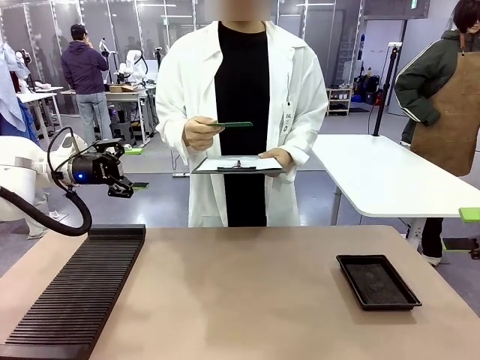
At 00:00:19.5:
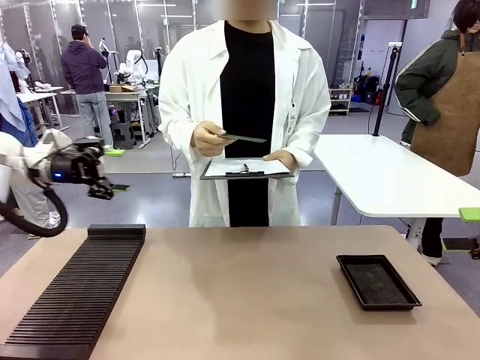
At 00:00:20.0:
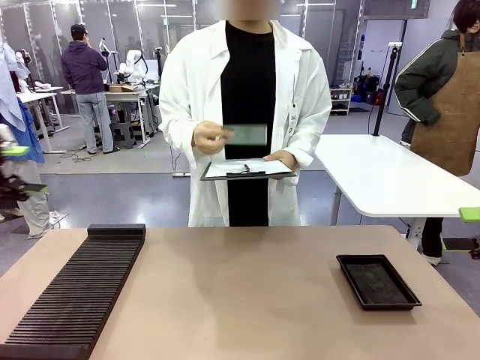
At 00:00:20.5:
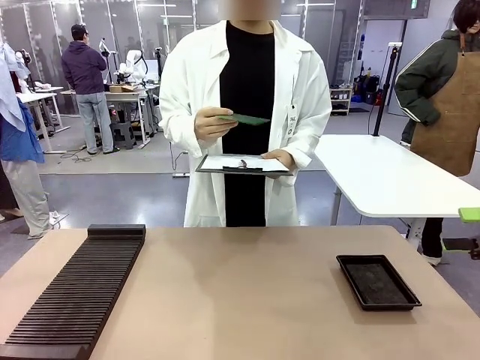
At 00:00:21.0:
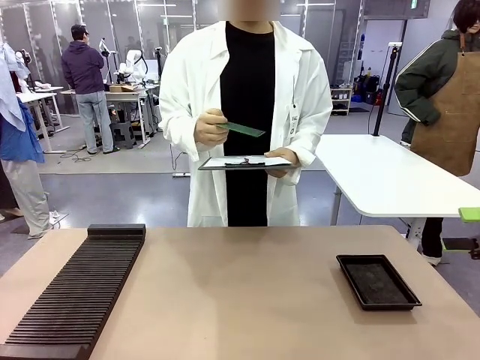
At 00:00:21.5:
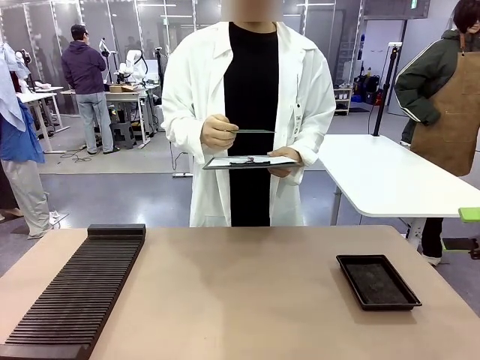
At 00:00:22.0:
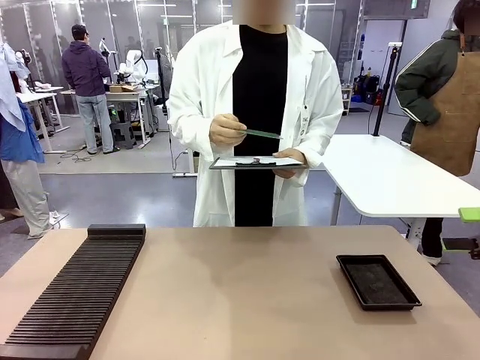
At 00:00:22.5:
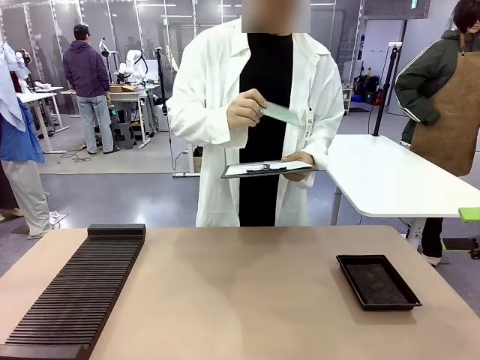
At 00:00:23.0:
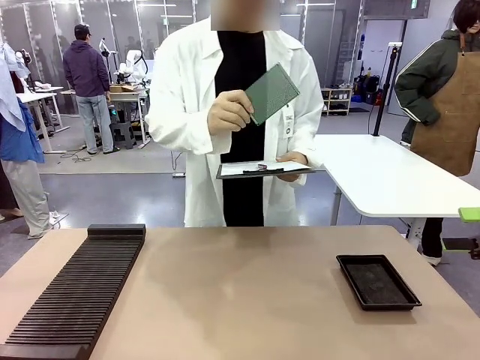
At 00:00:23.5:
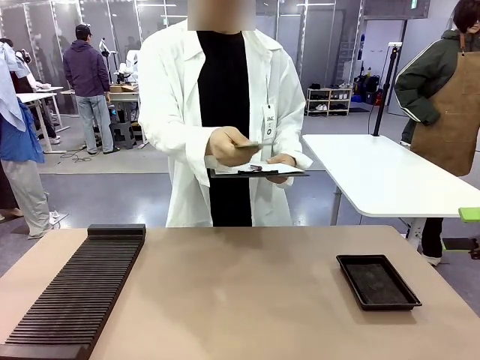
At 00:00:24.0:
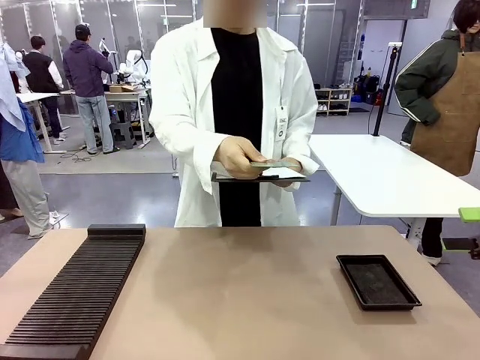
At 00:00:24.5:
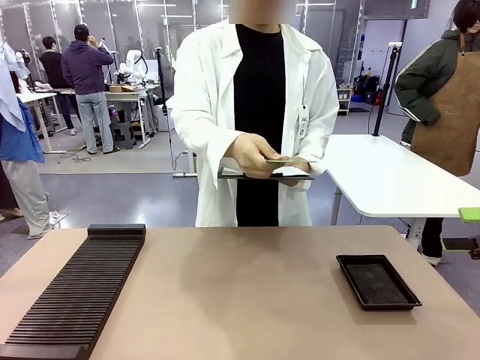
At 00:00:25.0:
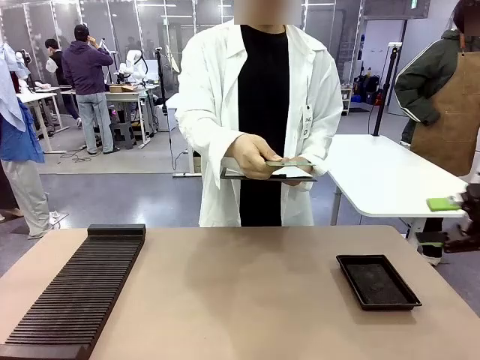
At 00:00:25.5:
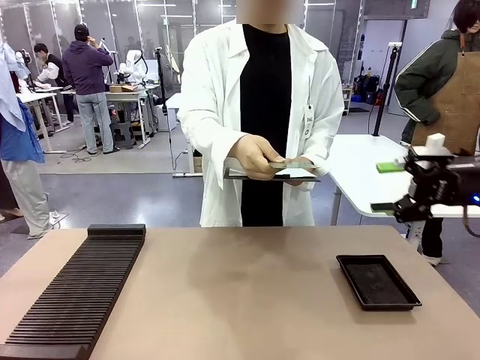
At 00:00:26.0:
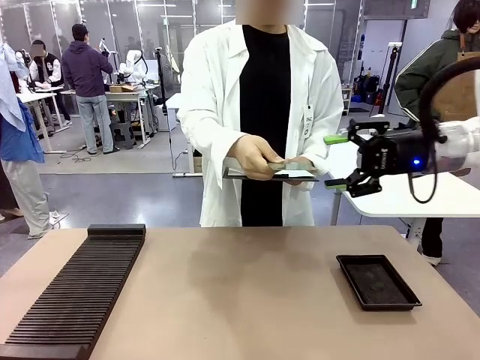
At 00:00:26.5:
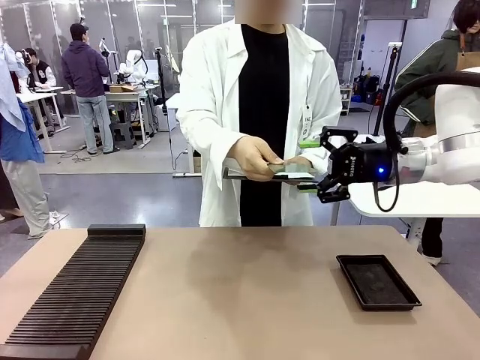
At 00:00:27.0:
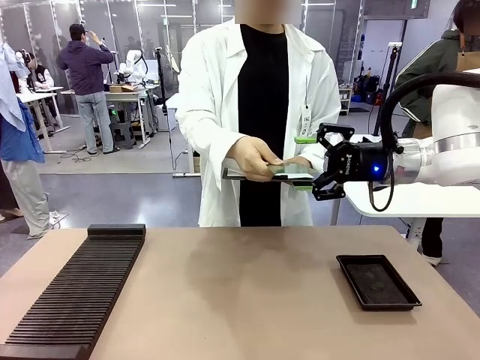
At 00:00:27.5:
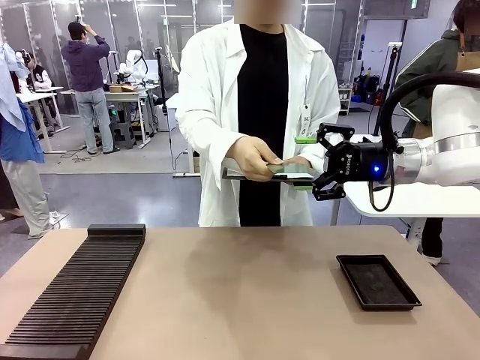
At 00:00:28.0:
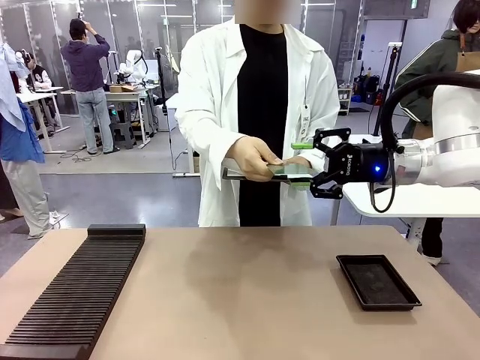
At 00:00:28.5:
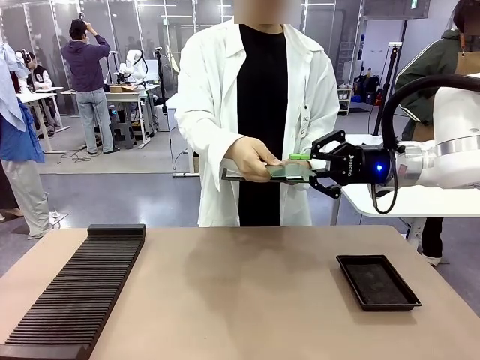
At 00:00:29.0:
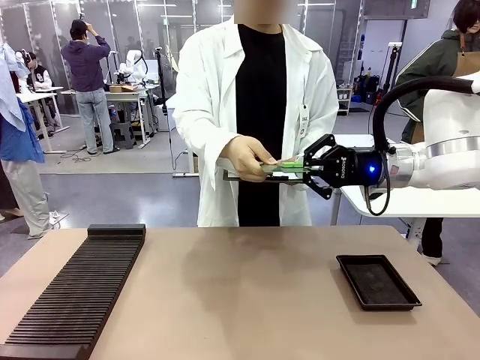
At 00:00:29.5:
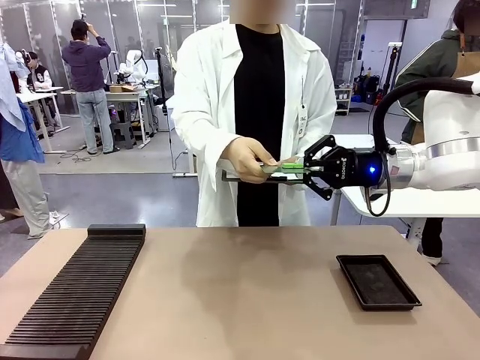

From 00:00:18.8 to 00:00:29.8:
Task: Inspect the PCB.
Robot: Pick up the Blank PCB that the human is holding.
Person: Inspect the PCB placed by the robot, then hold it out in front of the robot. Release the PCB you were holding.

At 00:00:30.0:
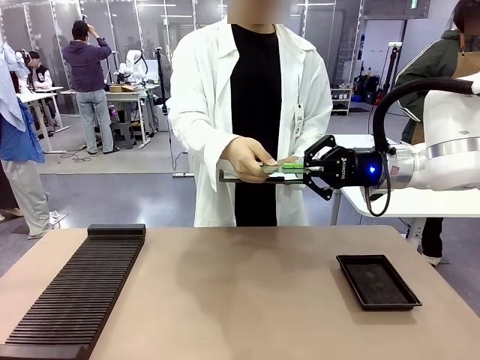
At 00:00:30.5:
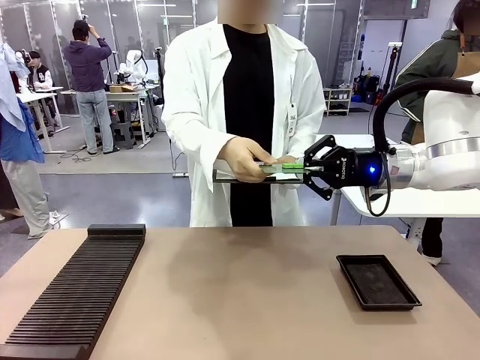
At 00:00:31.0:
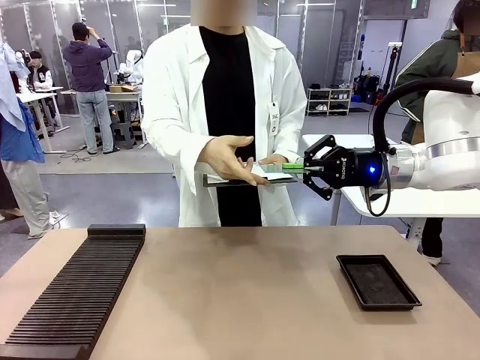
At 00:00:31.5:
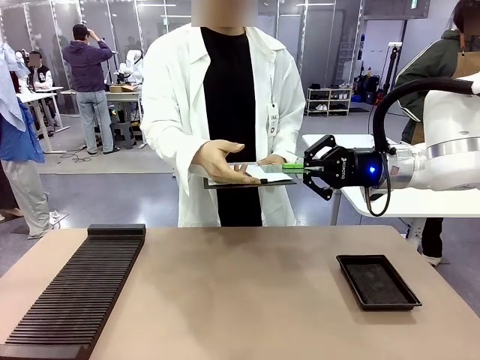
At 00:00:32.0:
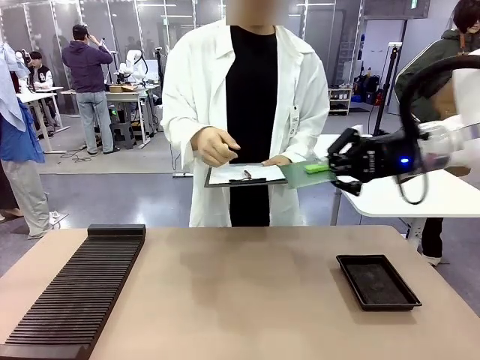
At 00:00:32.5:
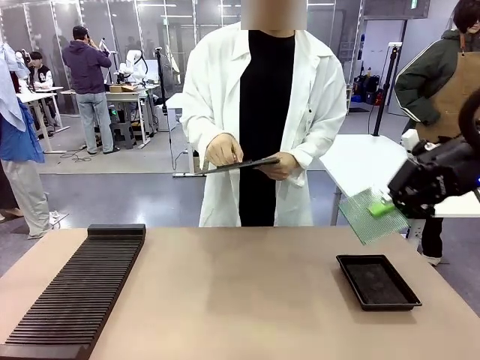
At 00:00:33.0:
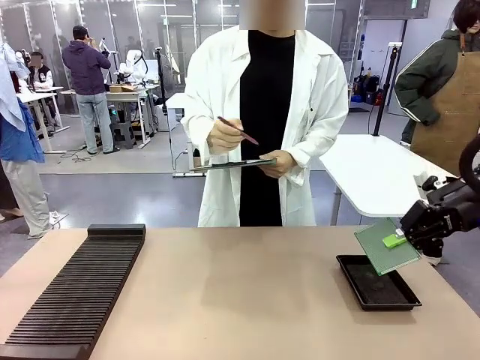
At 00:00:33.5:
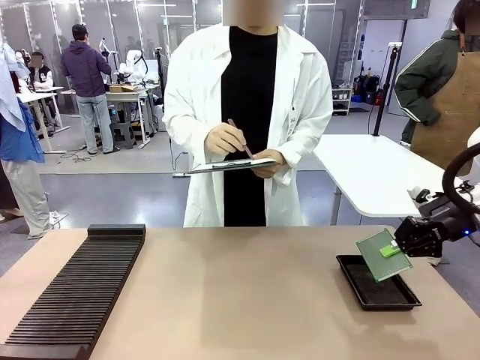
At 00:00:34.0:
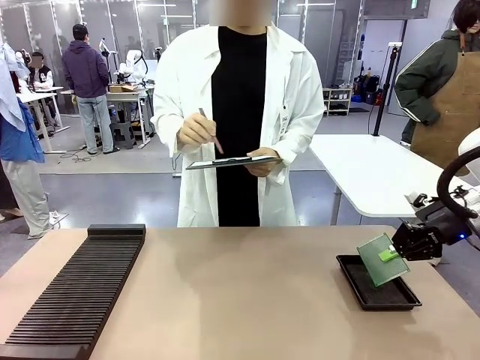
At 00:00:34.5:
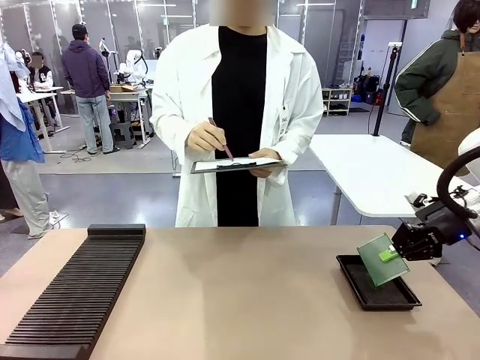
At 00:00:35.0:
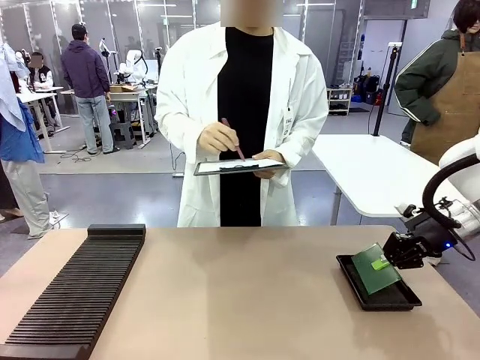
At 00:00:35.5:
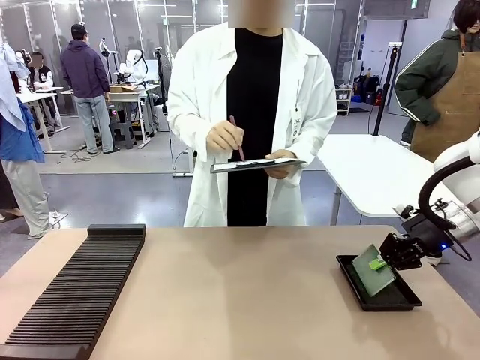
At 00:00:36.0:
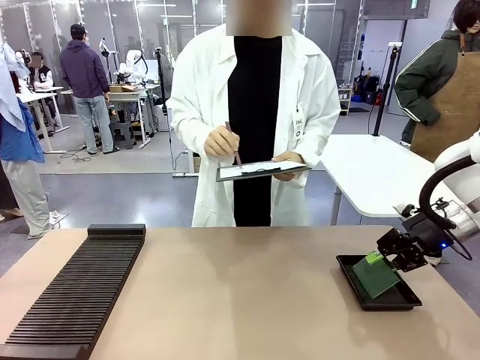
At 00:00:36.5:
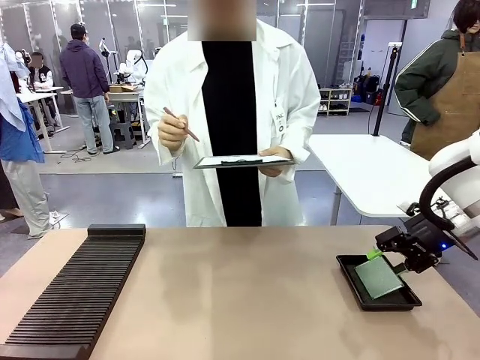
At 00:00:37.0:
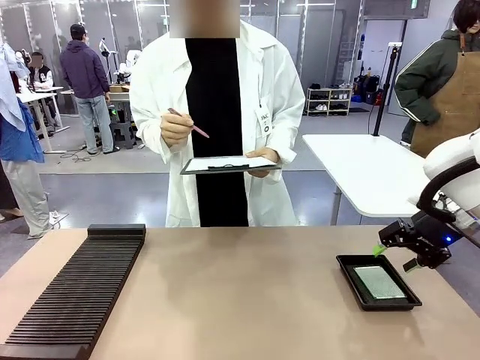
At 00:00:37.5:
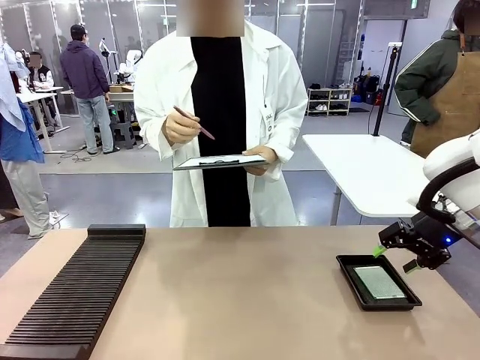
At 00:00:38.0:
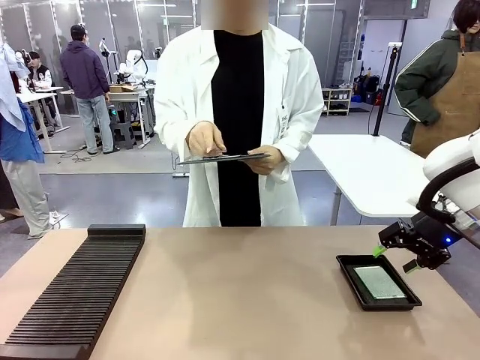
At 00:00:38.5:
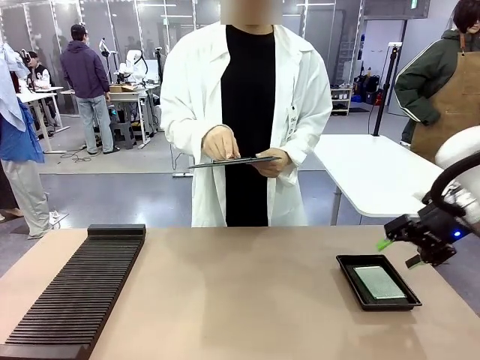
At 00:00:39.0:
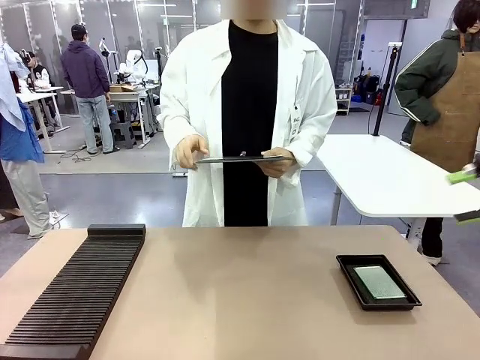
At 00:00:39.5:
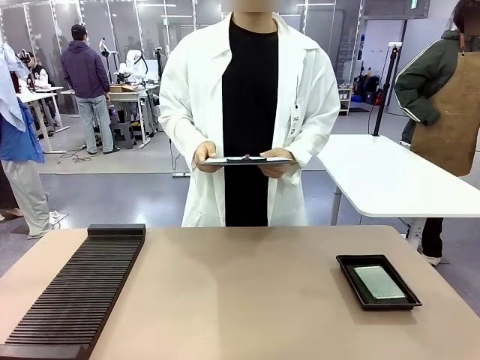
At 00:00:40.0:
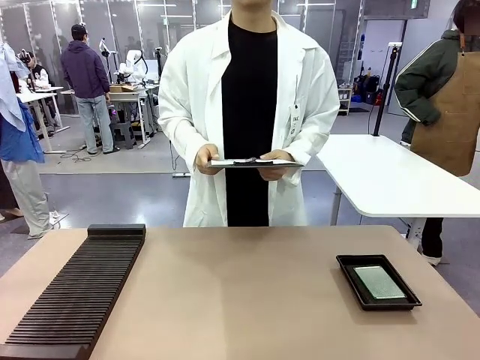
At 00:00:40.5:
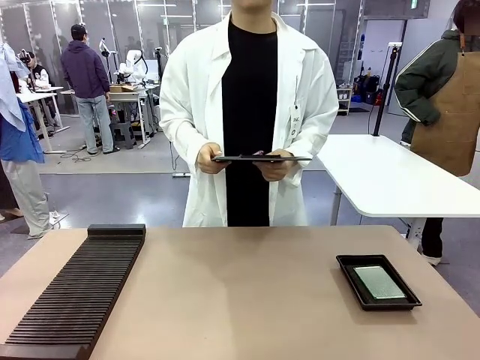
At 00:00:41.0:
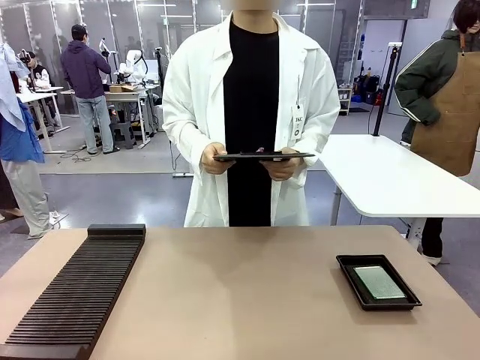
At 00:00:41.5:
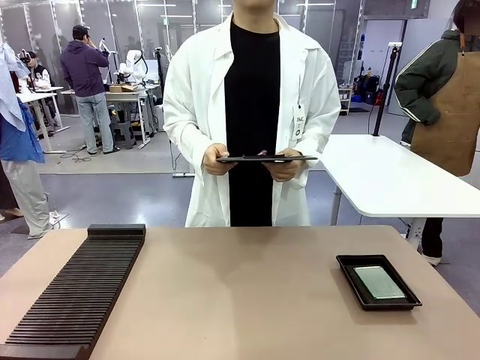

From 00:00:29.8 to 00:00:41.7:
Robot: Place the Blank PCB in the ESD tray.
Person: Record the PCB status on the paper.
